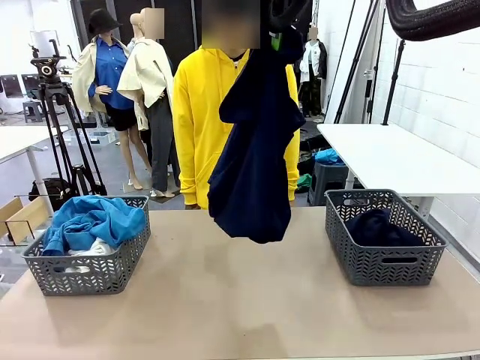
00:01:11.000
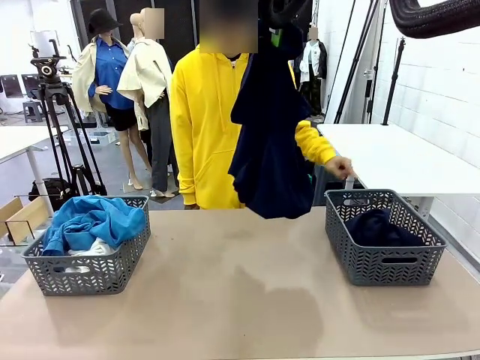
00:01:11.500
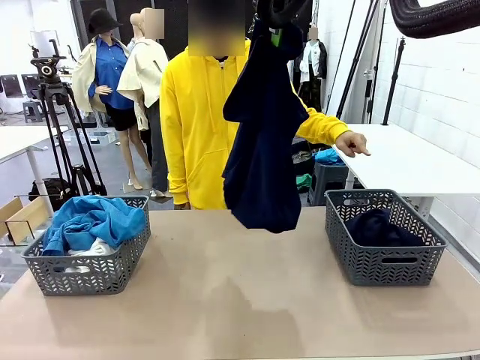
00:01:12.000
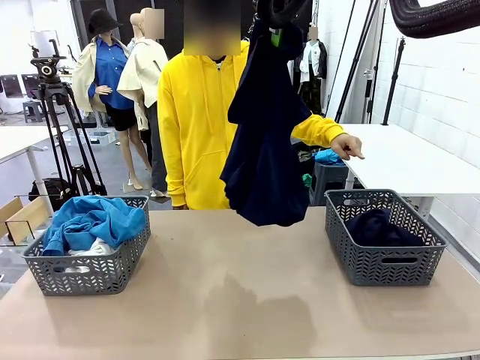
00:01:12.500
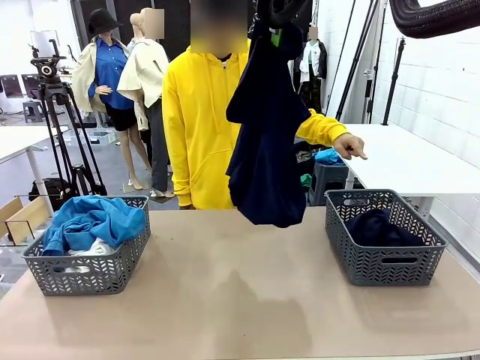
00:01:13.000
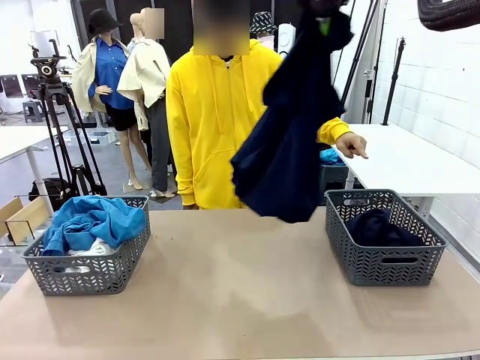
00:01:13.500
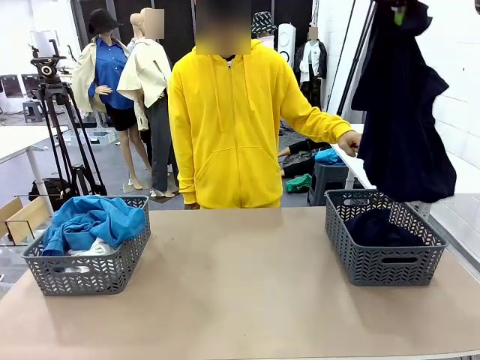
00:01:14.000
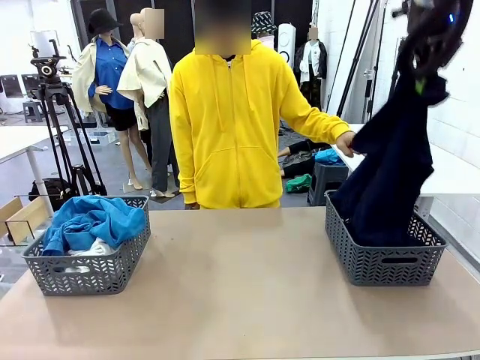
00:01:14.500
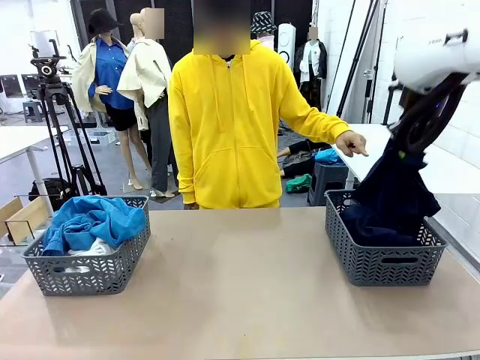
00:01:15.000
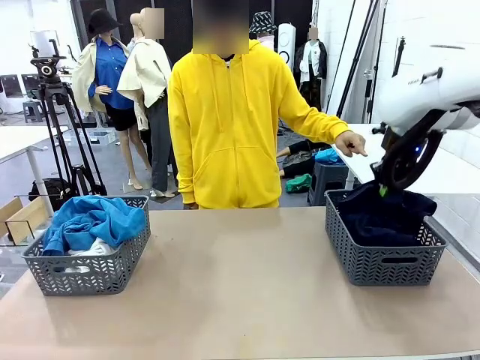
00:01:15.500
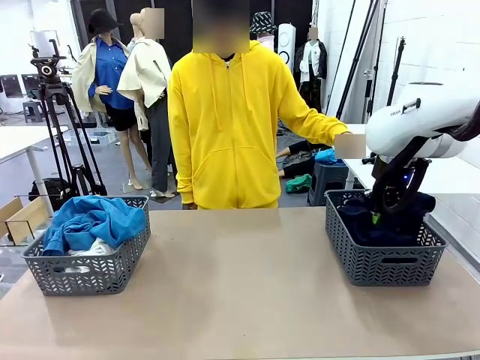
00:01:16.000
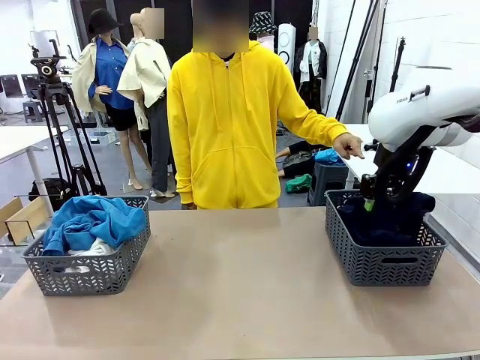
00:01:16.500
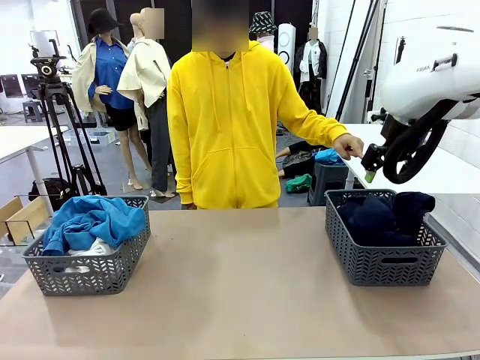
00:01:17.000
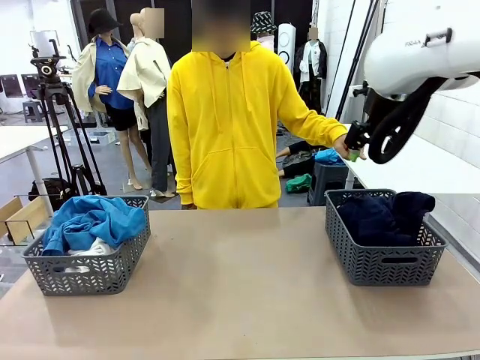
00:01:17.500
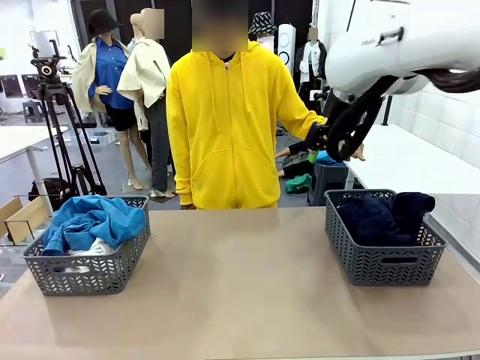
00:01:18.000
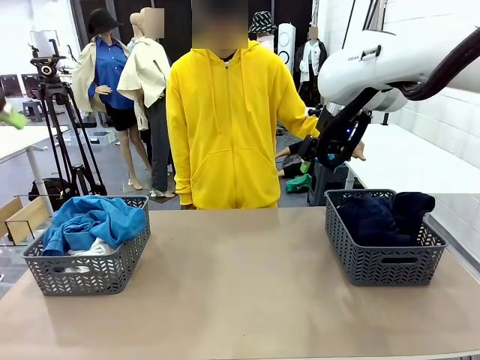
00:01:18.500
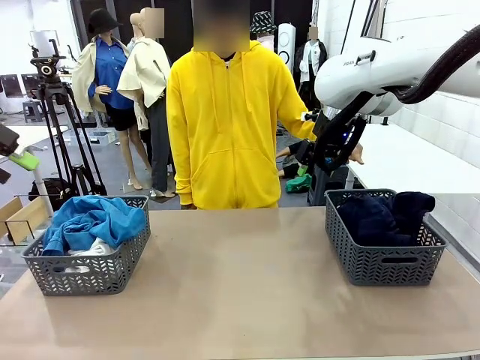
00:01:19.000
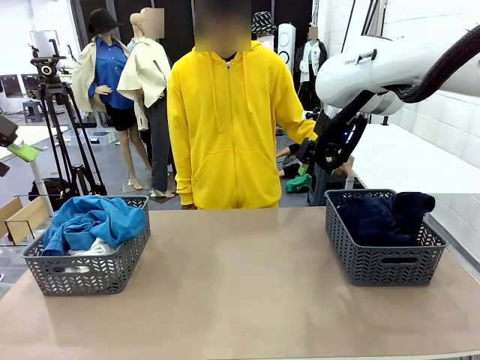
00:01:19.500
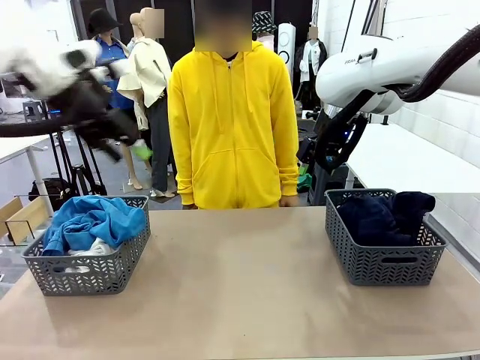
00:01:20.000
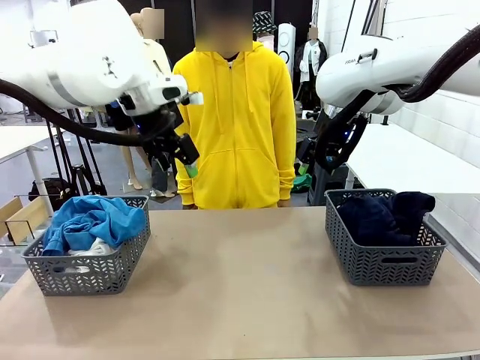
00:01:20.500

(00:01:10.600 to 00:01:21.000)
Task: Sort the tops and bottoms.
Robot: Sort the clothes according to human instructions.

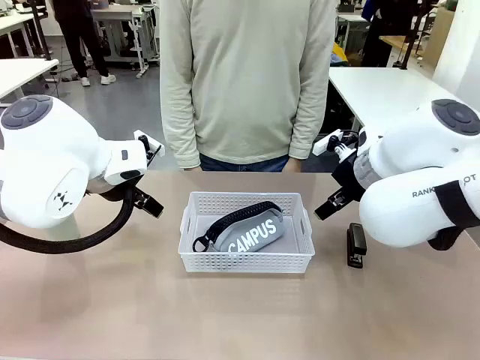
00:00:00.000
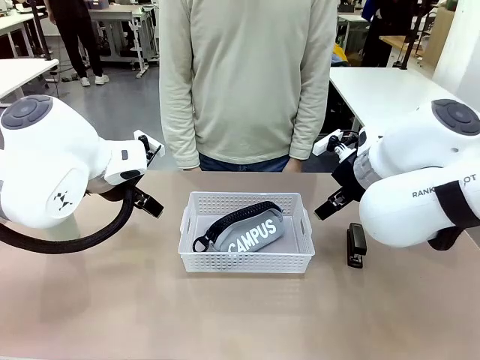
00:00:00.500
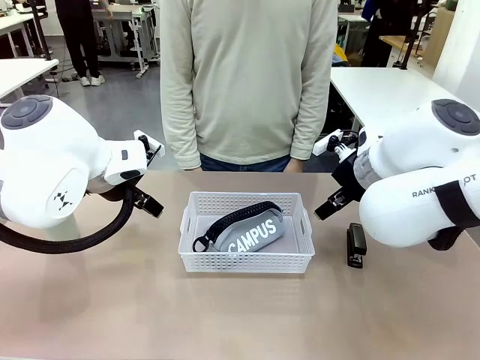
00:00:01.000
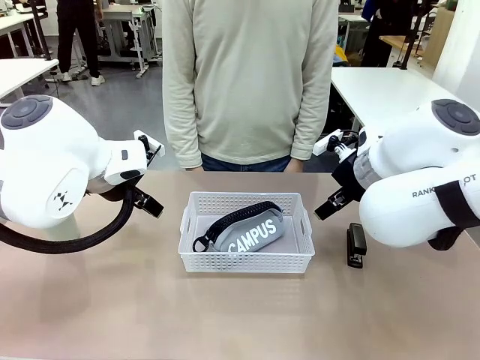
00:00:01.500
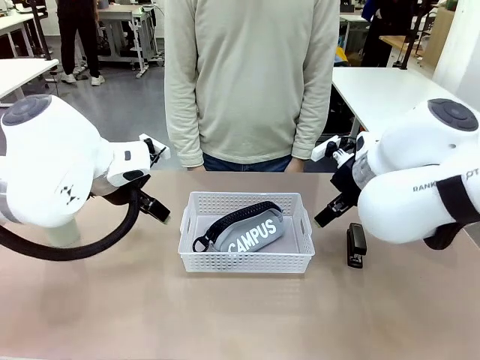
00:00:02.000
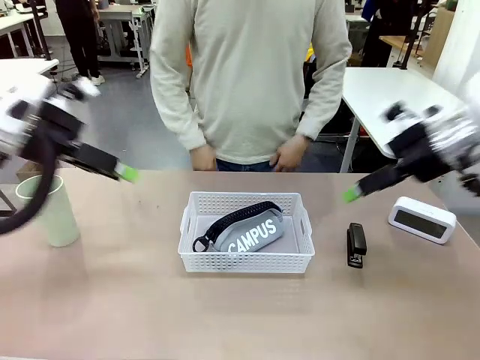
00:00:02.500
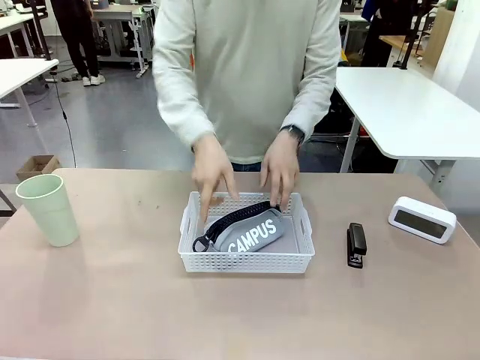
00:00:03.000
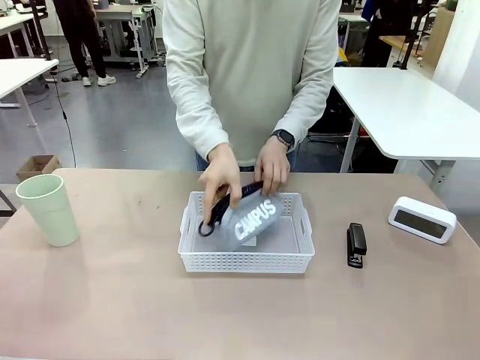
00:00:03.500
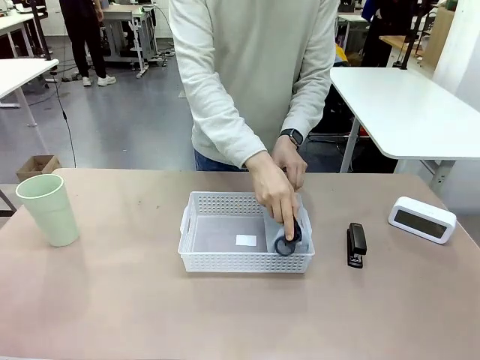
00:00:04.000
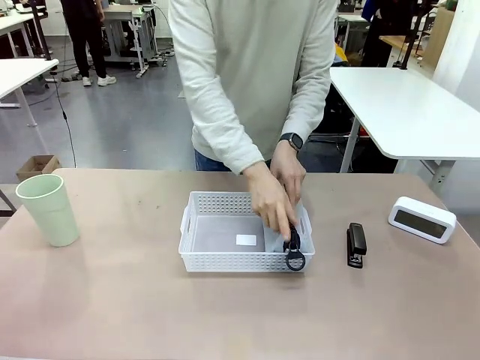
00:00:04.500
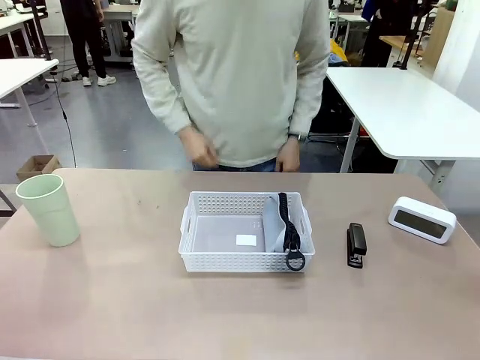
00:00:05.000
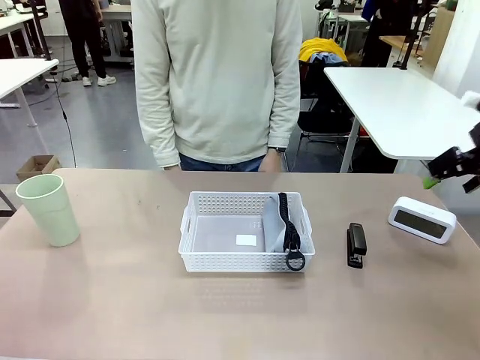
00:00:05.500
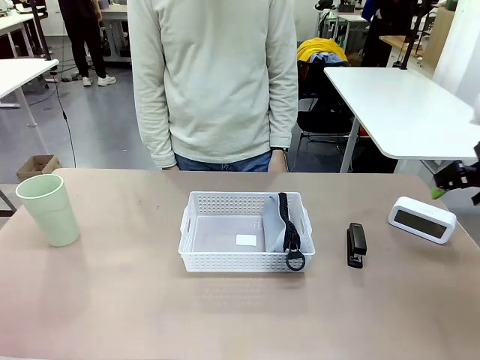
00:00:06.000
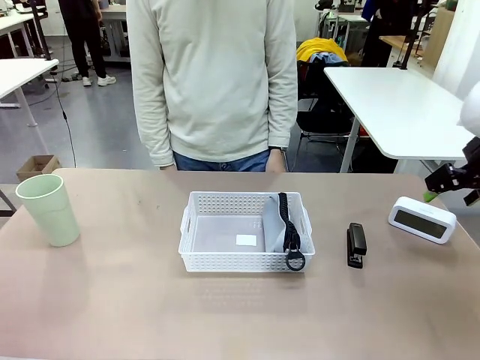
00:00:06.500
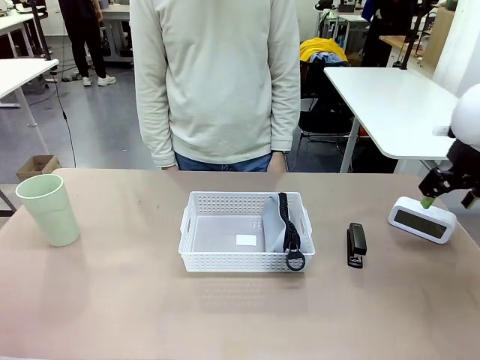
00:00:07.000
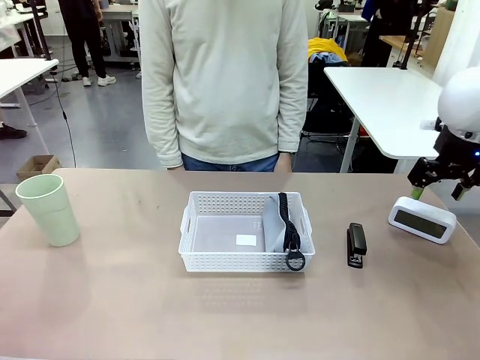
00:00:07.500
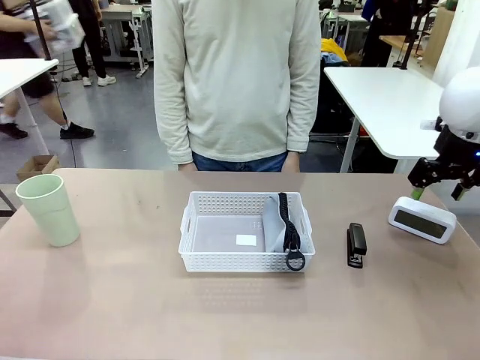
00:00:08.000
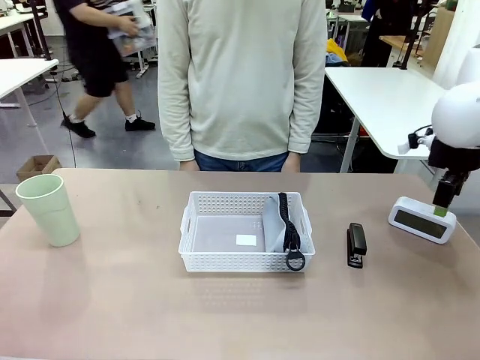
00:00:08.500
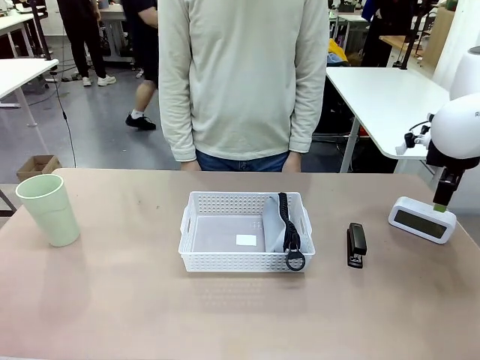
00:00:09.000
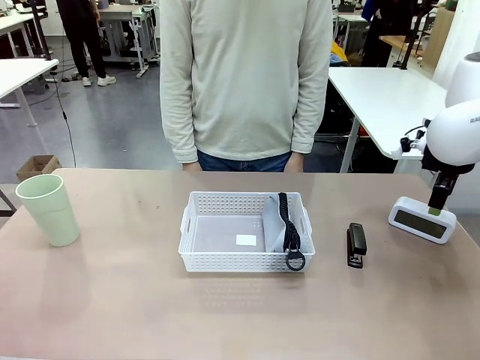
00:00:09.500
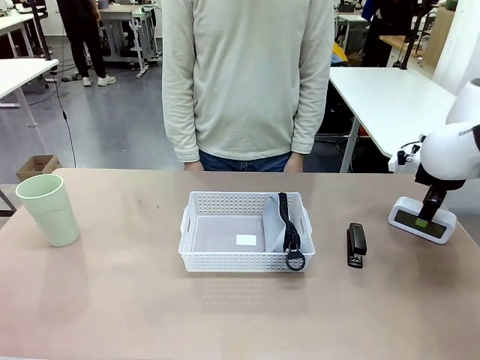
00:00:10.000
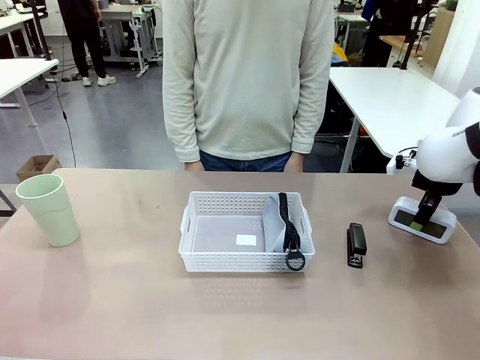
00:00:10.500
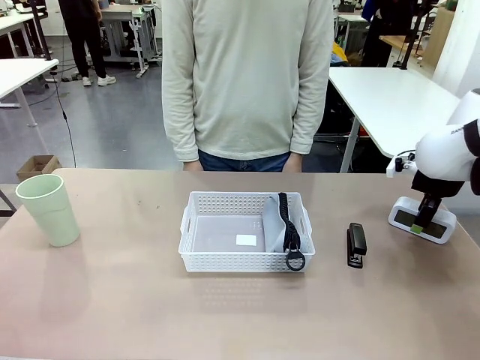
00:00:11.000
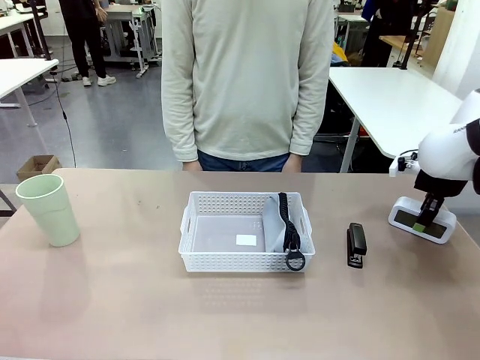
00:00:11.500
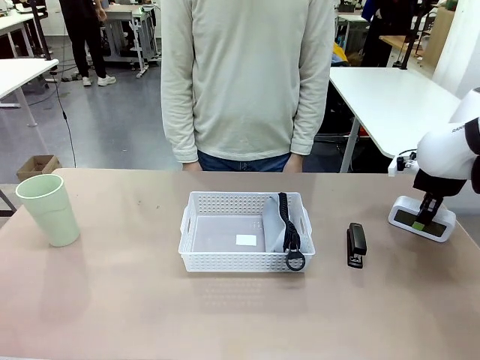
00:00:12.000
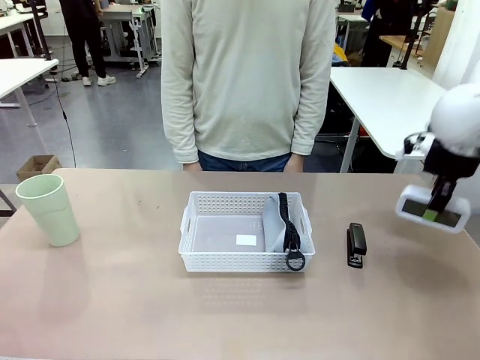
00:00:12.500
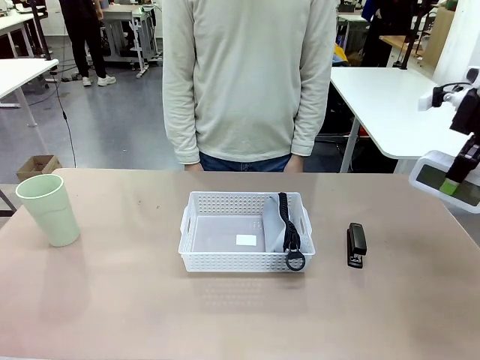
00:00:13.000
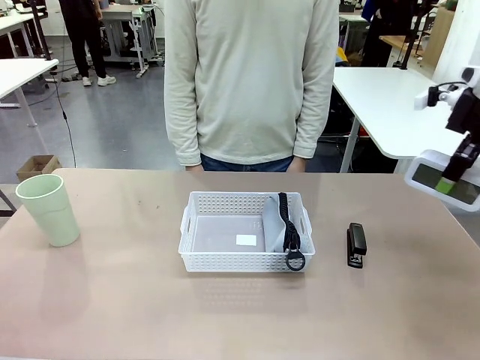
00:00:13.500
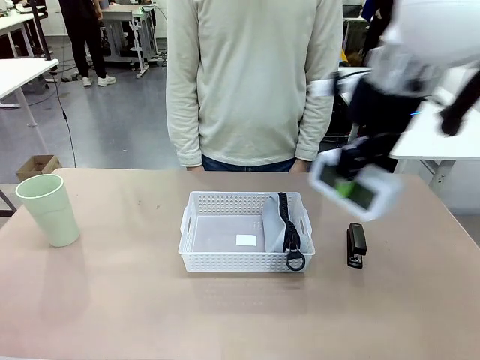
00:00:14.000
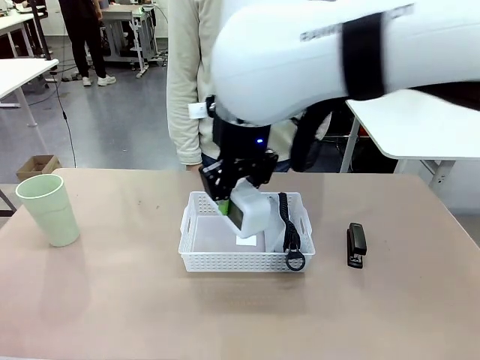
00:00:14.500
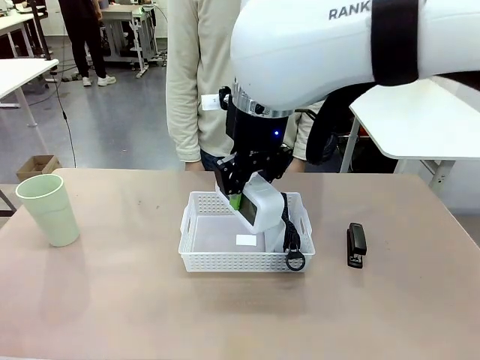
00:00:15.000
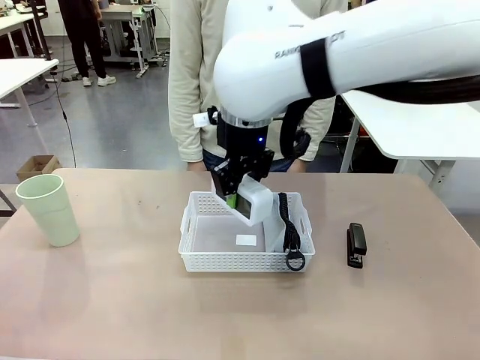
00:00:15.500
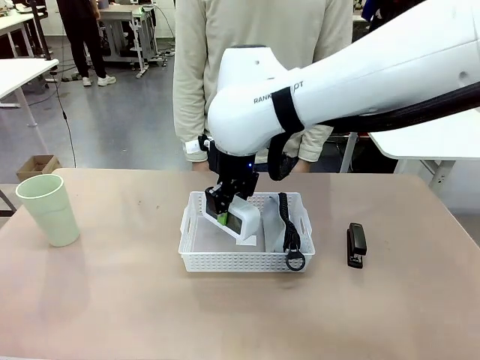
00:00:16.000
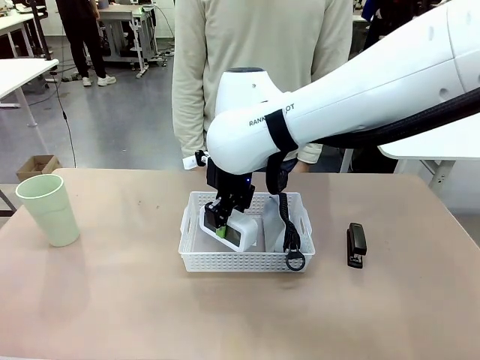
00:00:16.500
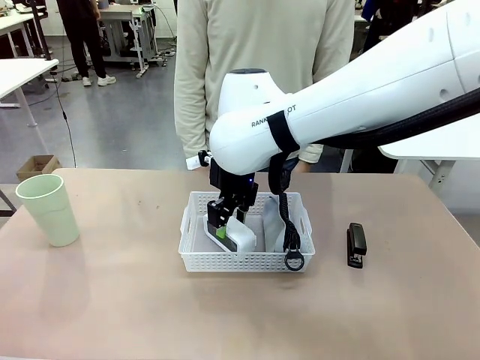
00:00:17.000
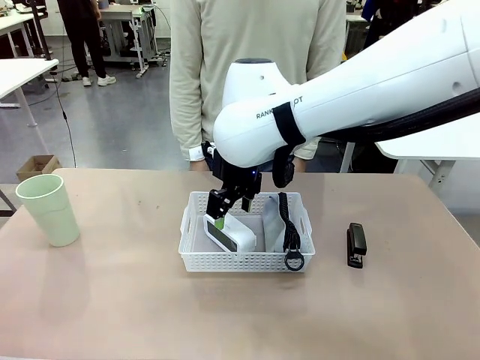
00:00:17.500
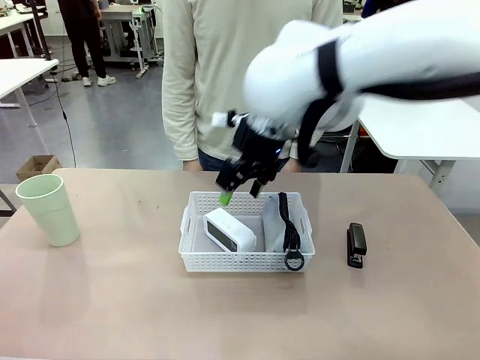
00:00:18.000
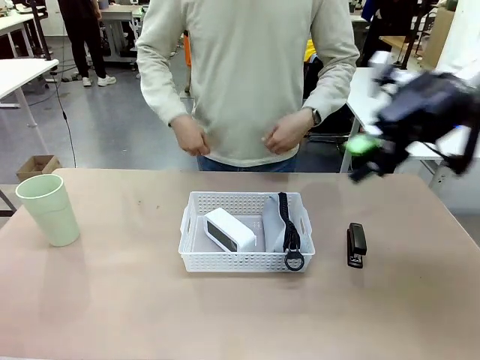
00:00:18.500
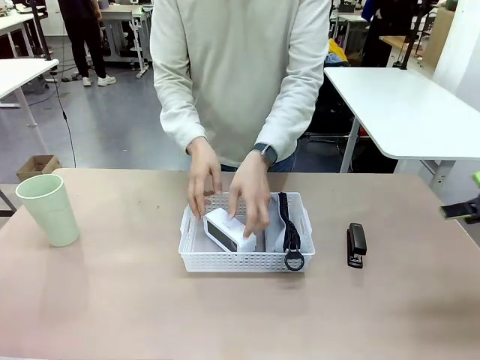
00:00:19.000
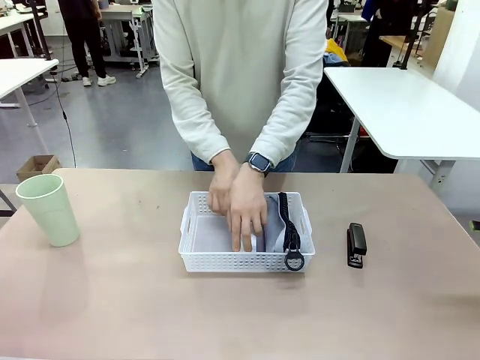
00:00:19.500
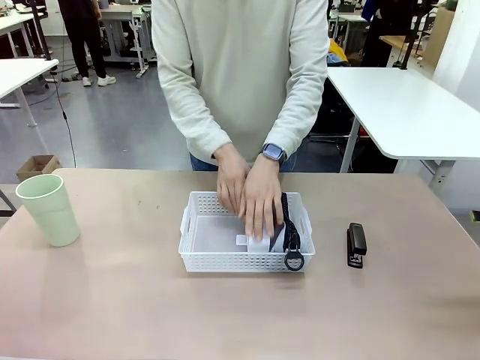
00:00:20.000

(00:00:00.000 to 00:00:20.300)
Task: Efficiently arrange items inside the basket to fit them all.
Robot: Pick up the Digital clock and place it inside the Organizing basket.
Person: Repositions the pencil case. Repositions the digital clock.
